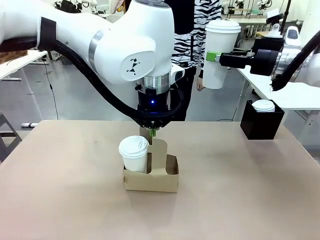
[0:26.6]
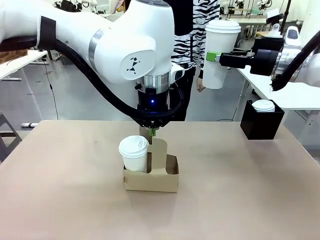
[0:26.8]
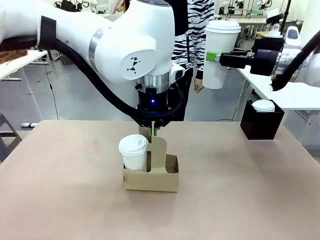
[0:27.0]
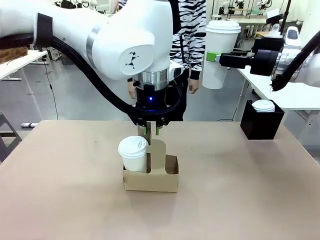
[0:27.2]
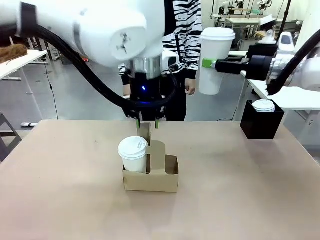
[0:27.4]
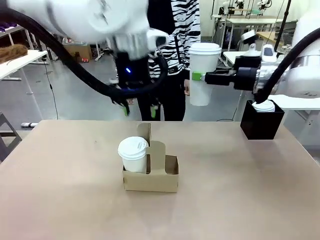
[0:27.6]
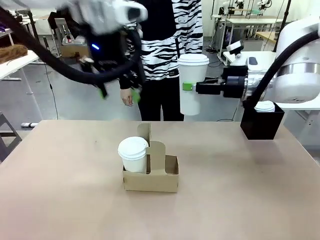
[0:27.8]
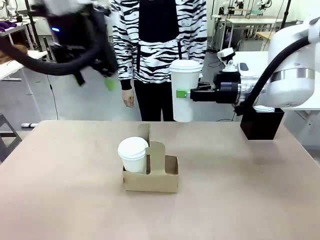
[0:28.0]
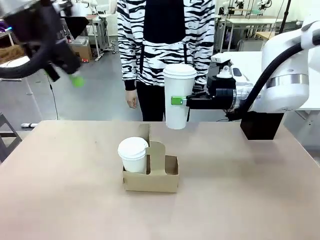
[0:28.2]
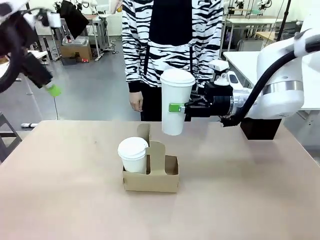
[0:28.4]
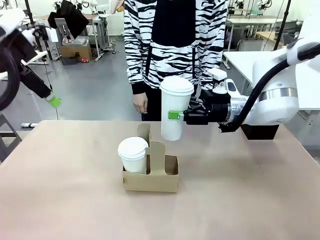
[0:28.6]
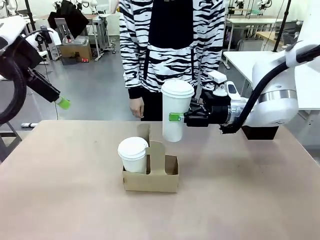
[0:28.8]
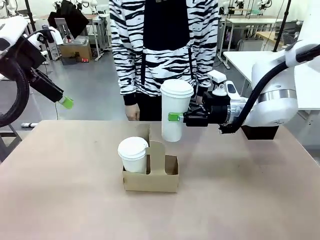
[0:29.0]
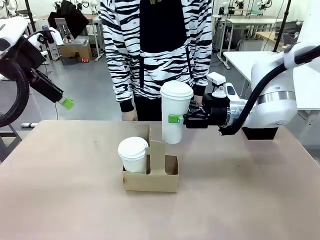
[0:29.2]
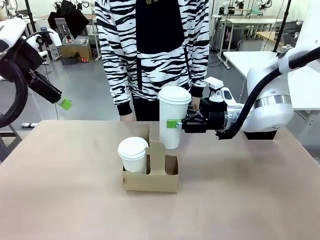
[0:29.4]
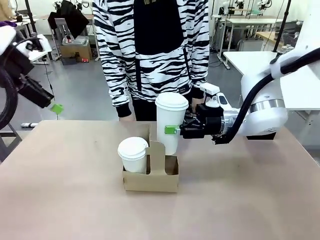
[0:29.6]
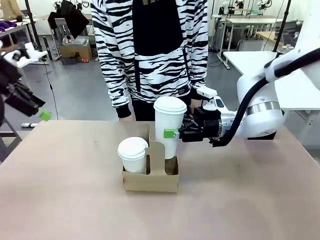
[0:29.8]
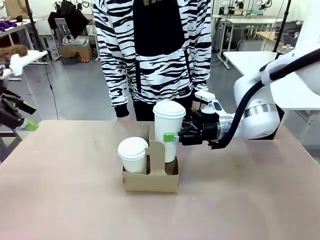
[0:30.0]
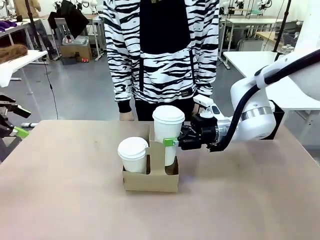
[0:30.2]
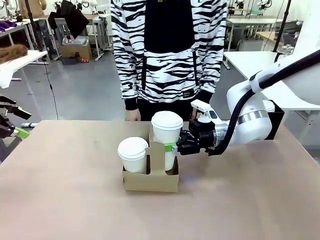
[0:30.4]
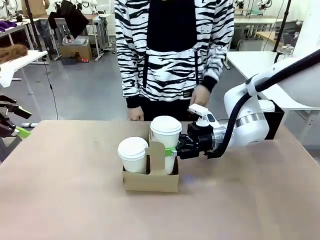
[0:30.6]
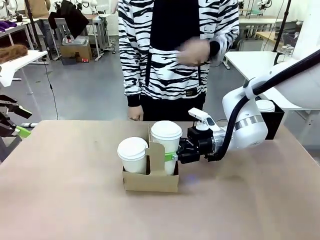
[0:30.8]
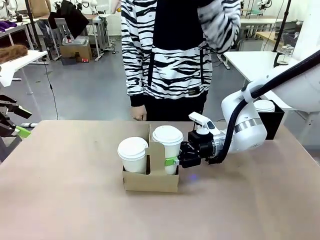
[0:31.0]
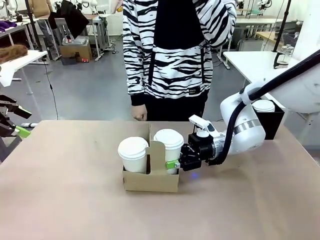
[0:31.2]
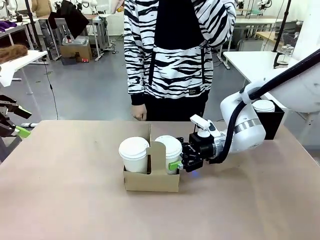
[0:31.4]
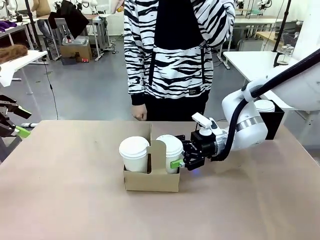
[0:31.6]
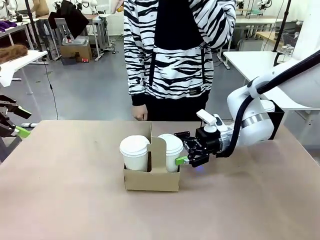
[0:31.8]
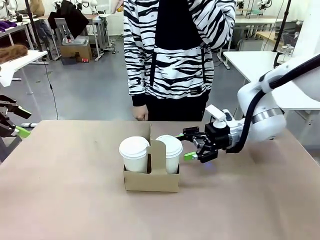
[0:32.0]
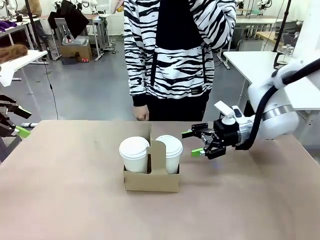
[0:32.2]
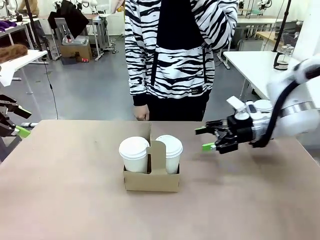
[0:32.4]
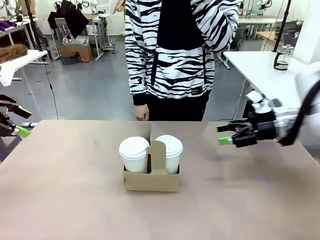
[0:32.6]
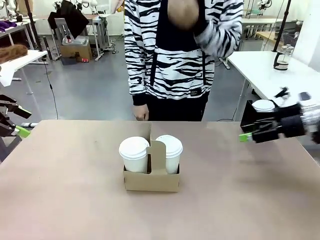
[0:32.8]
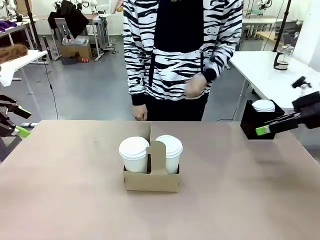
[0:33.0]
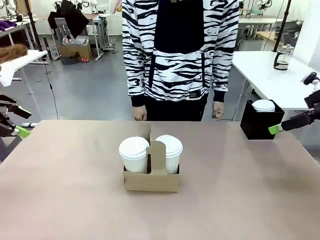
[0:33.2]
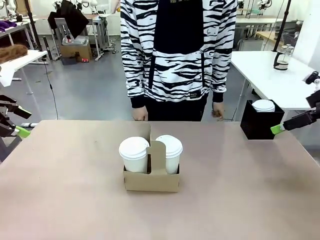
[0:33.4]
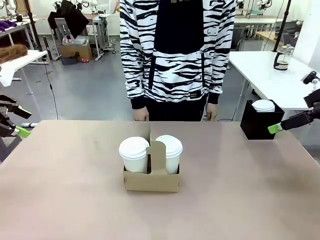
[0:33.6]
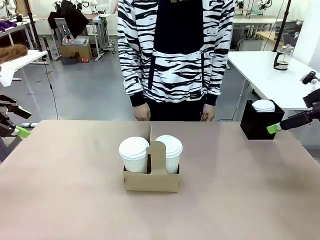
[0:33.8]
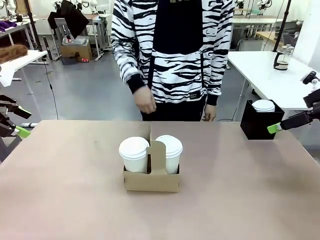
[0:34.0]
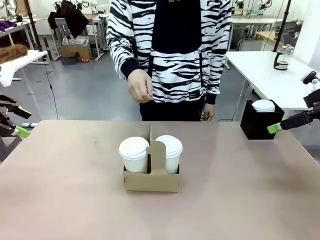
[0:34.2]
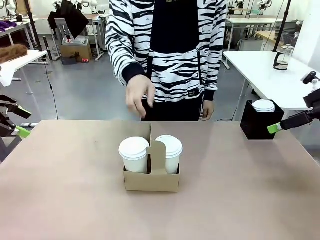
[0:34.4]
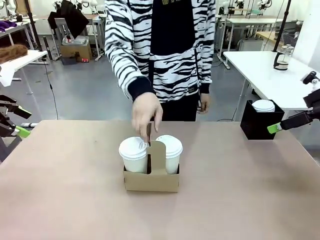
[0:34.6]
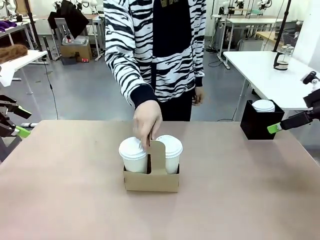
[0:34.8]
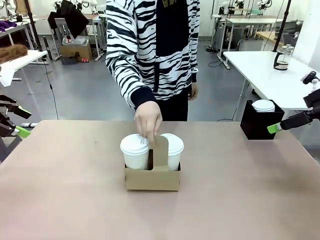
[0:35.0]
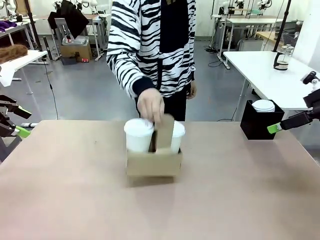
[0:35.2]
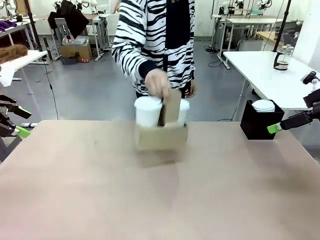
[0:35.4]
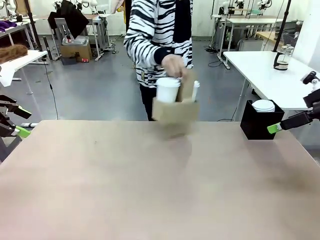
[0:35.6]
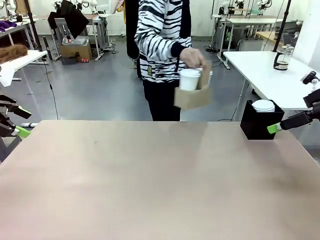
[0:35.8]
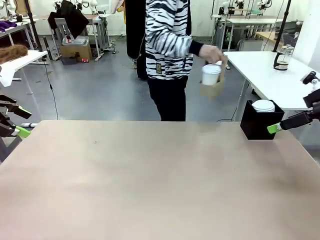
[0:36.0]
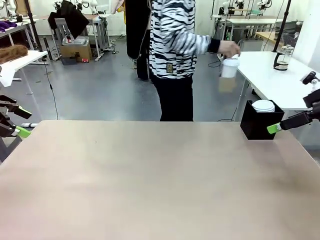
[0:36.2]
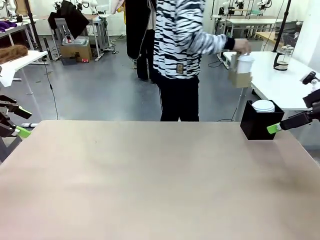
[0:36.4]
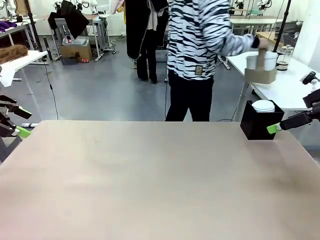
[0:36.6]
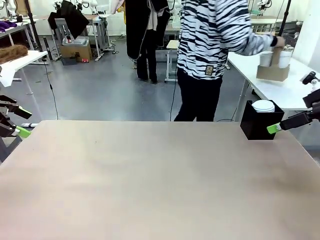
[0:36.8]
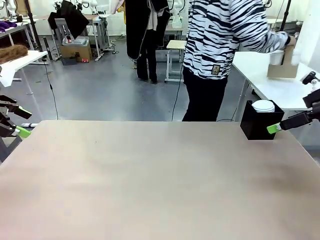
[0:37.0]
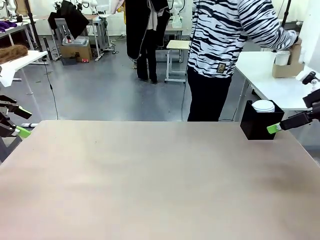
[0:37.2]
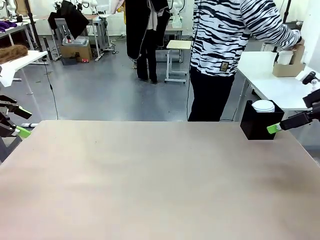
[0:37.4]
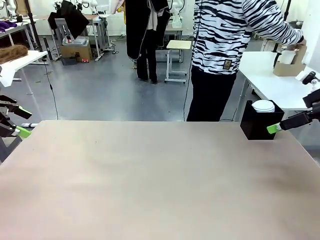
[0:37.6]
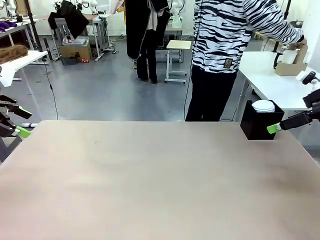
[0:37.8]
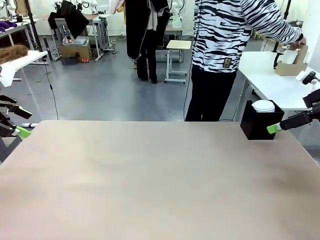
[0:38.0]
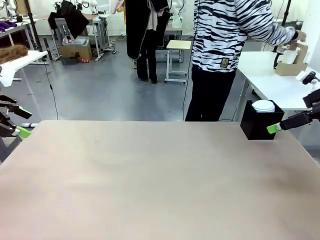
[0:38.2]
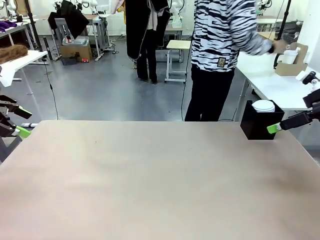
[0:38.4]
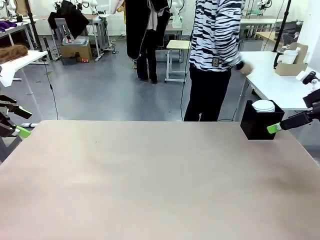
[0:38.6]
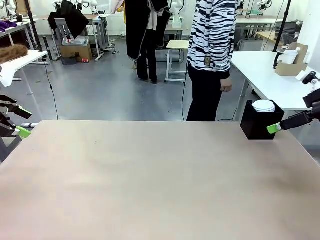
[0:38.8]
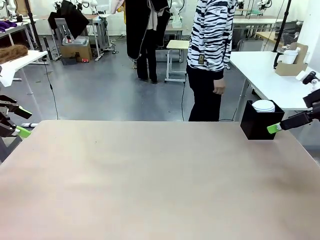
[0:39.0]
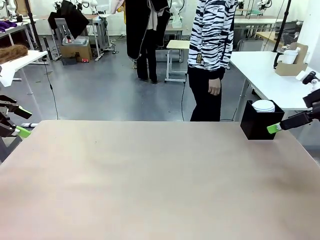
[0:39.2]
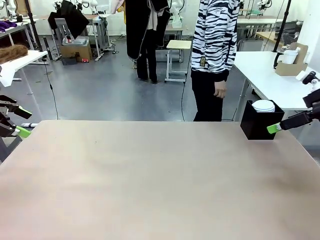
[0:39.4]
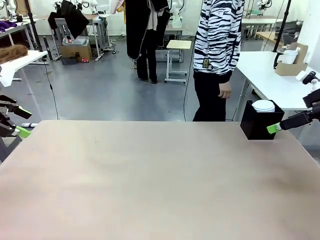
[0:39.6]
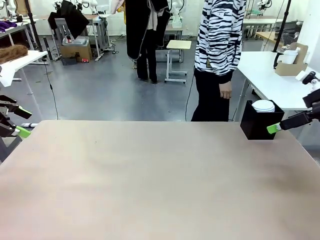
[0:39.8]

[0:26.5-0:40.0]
Task: Pour a drink into a cup and package it in a carrier.
Robot: Insert the held 600 ml Paper Cup into the Cup Carrier.
Person: Place the Cup Carrier to the middle of Human table.

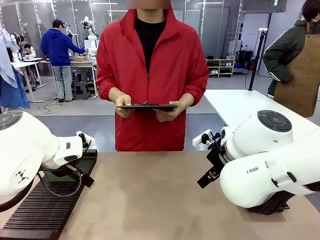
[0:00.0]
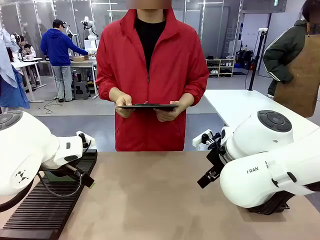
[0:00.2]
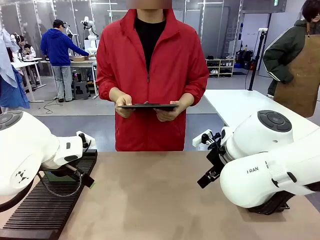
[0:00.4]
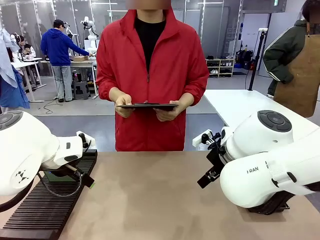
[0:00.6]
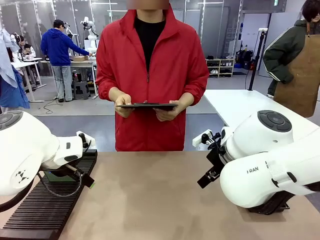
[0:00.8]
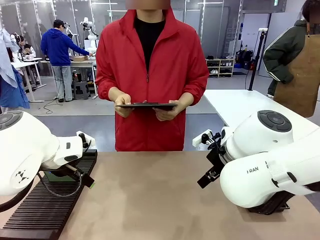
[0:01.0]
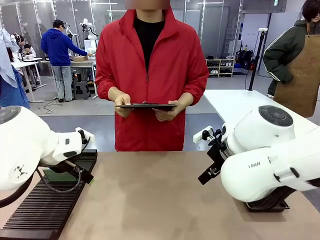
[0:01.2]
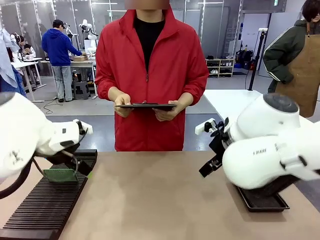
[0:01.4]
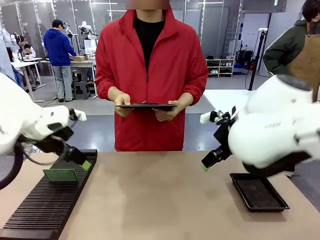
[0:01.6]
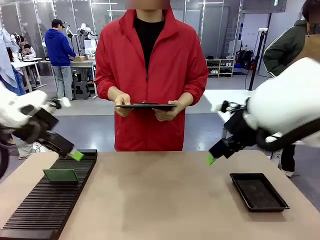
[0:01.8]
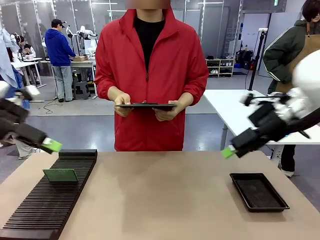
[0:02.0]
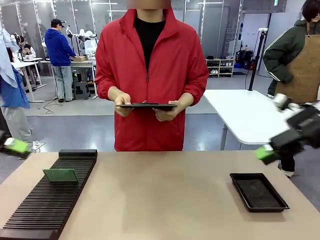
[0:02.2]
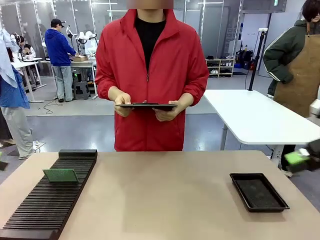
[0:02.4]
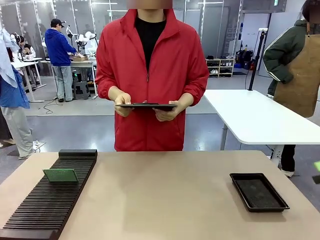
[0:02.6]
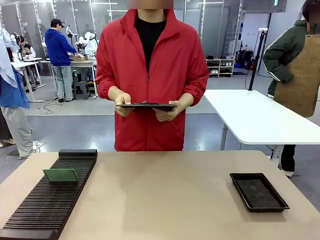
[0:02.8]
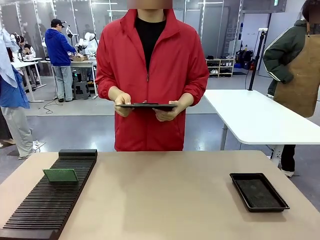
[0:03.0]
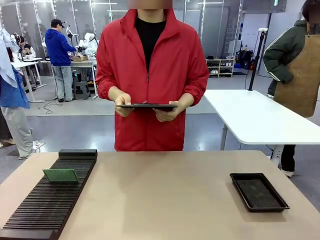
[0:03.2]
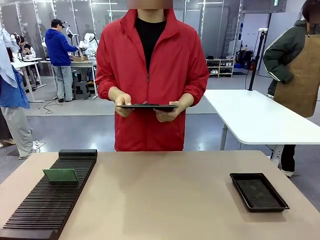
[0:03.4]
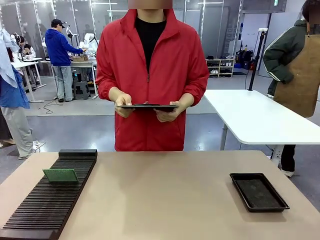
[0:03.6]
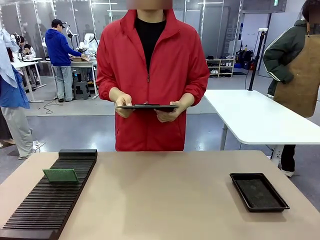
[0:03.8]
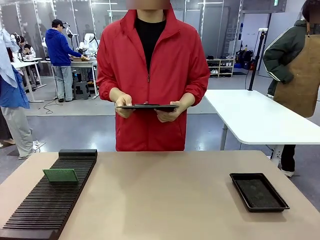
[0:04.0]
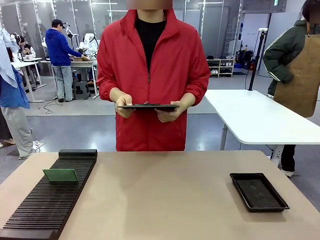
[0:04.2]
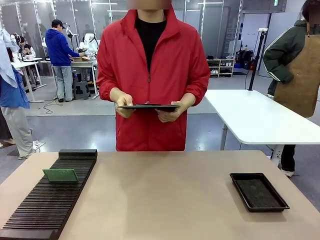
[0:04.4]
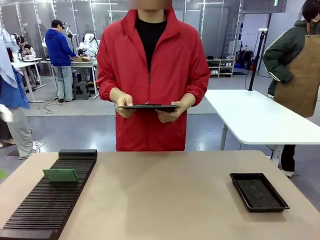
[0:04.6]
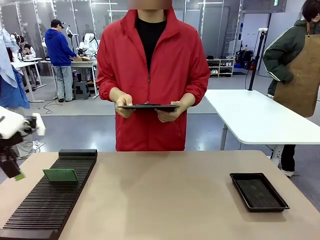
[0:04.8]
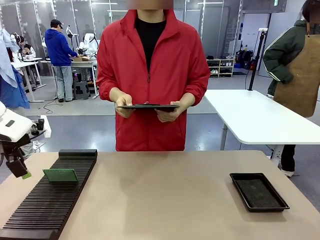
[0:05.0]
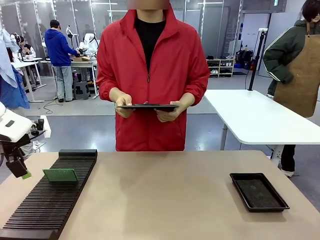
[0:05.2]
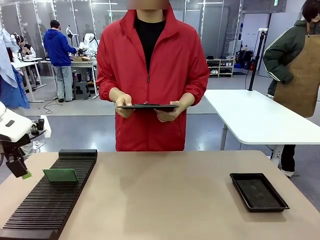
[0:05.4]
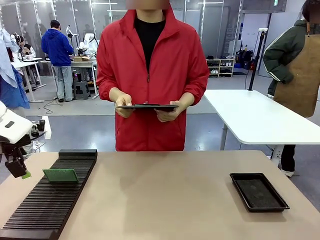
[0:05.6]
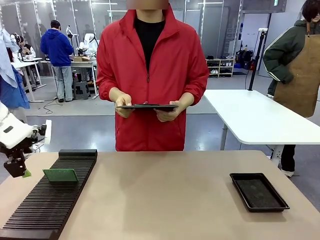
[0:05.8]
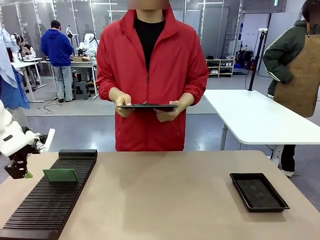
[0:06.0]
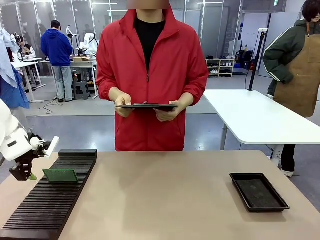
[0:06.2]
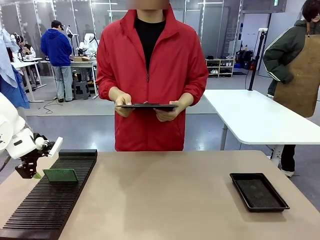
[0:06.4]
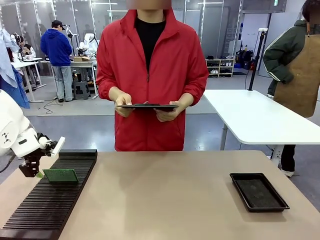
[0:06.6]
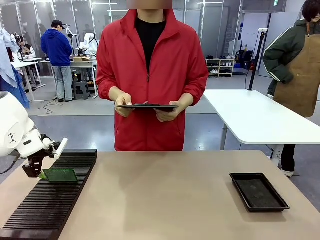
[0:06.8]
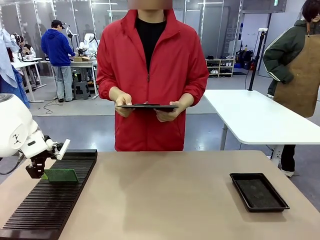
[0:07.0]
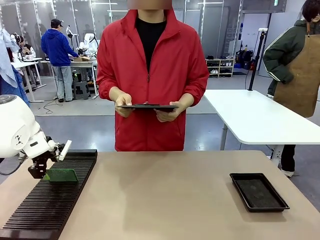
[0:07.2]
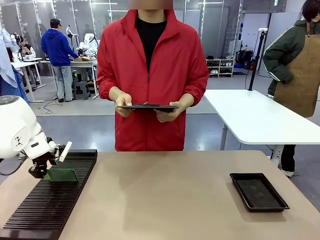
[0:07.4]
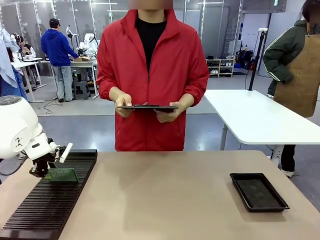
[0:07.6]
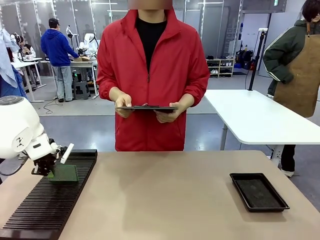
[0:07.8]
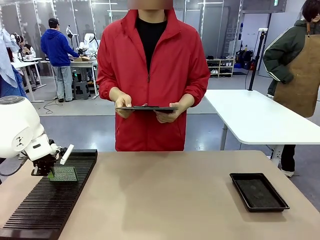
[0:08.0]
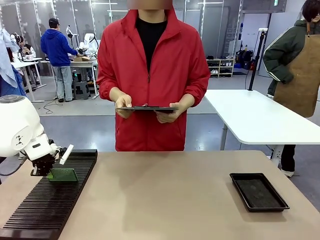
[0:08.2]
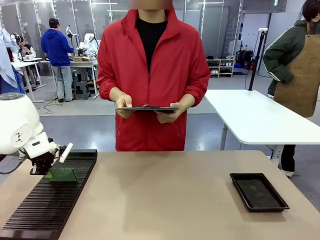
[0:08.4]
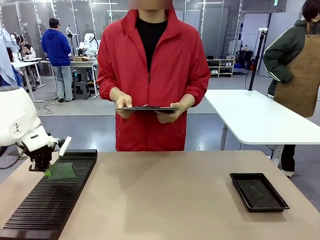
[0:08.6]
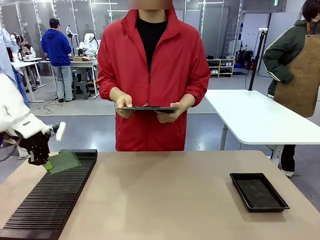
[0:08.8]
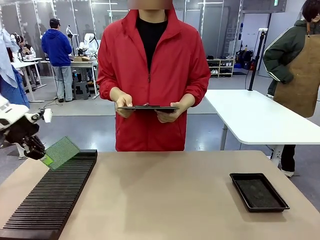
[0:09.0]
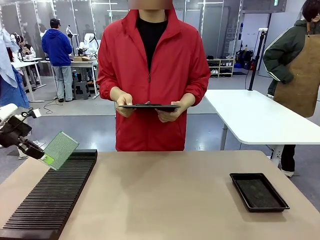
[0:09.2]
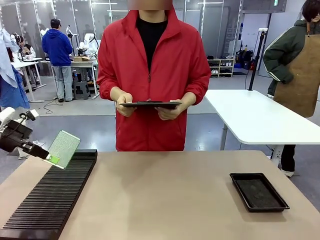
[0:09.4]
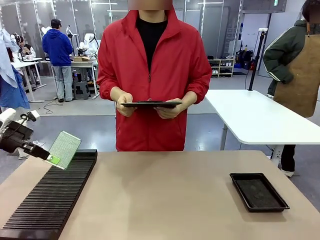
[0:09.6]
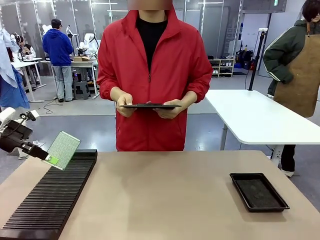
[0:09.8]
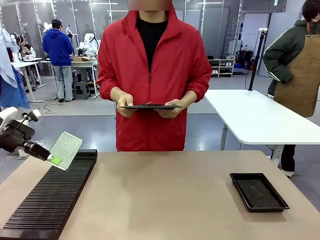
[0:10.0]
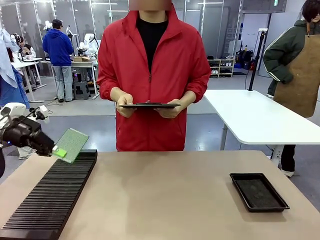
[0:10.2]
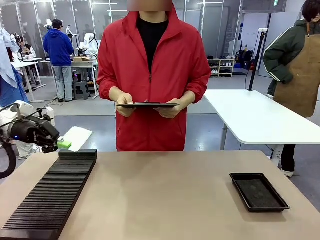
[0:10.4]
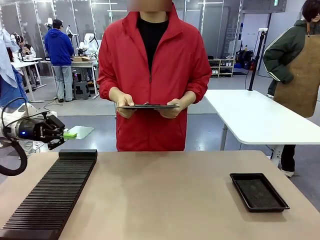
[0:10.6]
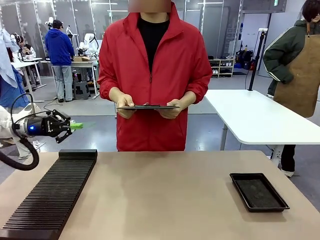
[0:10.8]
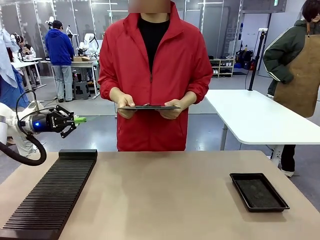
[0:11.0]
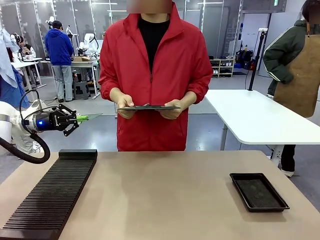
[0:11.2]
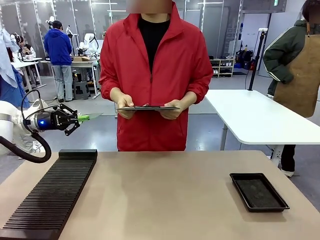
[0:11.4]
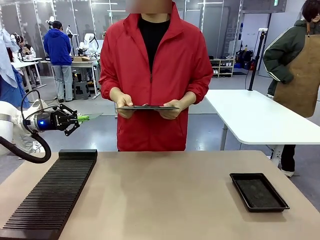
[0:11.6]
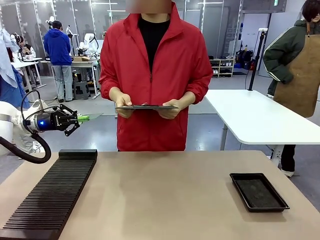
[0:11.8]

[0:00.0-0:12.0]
Task: Inspect the PCB.
Robot: Pick up the Blank PCB and present it to the human.
Person: Pick up the PCB presented by the robot.
